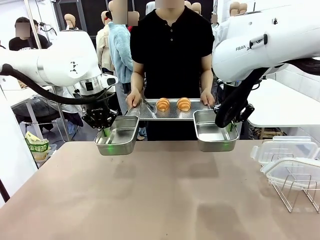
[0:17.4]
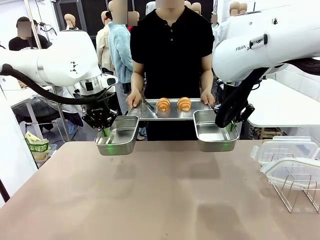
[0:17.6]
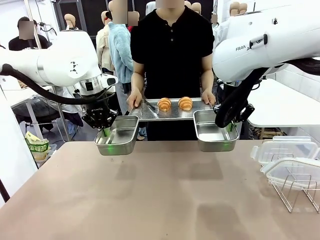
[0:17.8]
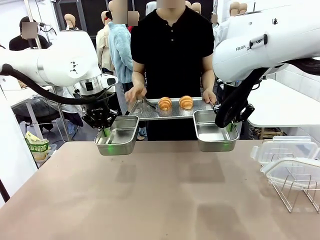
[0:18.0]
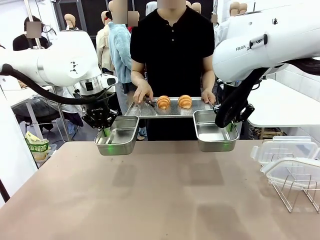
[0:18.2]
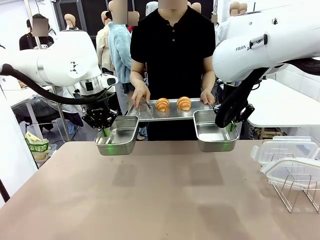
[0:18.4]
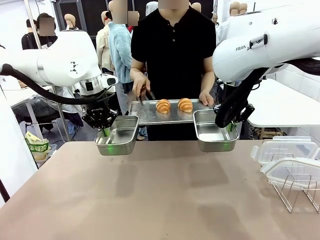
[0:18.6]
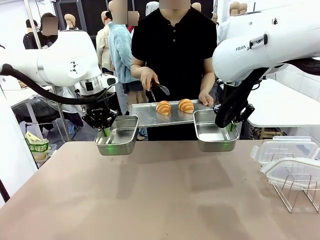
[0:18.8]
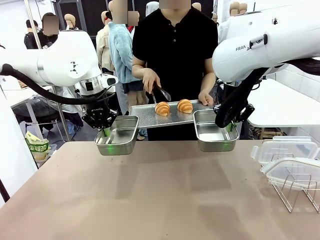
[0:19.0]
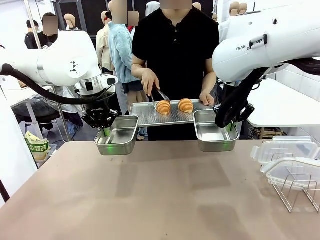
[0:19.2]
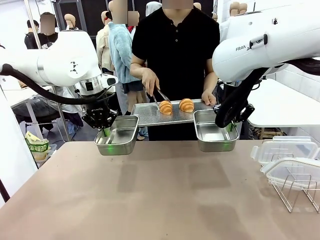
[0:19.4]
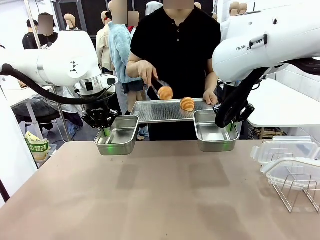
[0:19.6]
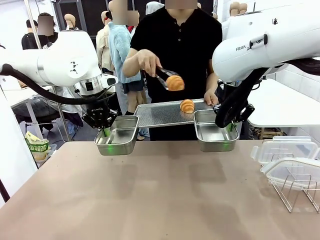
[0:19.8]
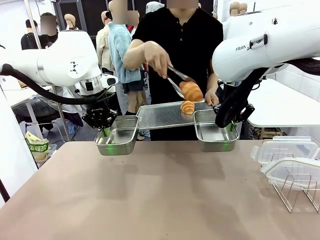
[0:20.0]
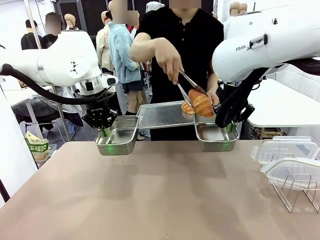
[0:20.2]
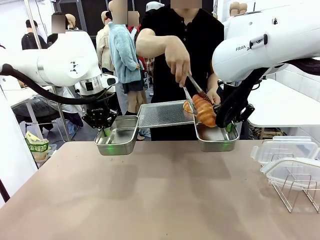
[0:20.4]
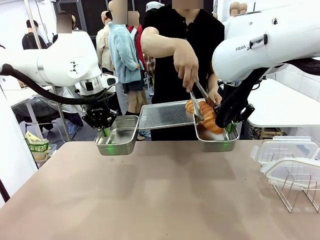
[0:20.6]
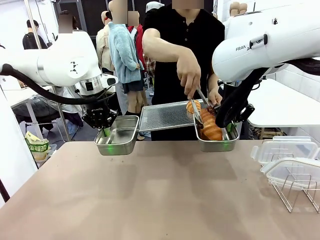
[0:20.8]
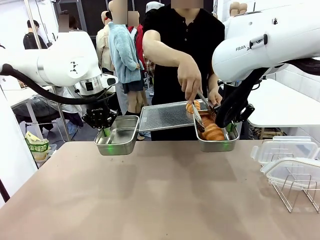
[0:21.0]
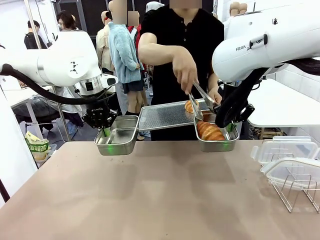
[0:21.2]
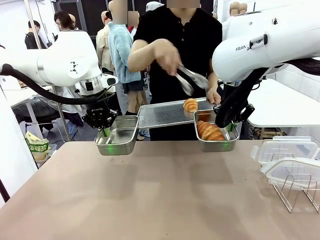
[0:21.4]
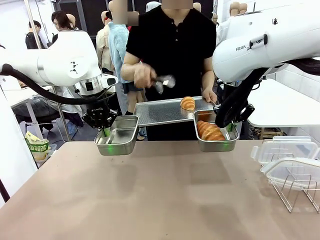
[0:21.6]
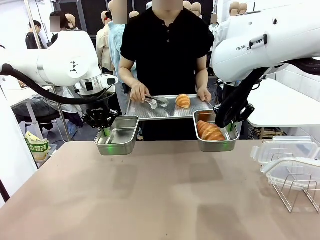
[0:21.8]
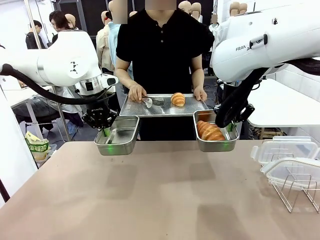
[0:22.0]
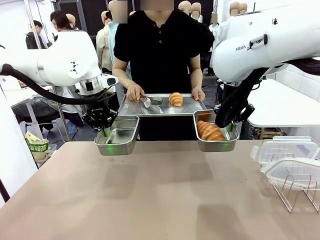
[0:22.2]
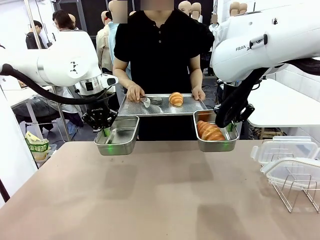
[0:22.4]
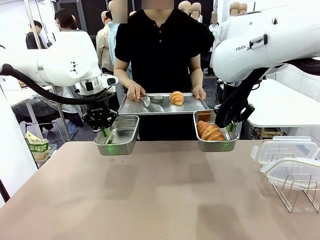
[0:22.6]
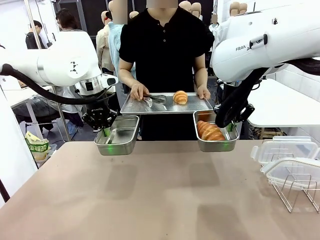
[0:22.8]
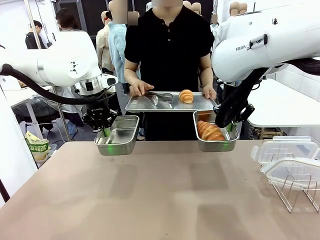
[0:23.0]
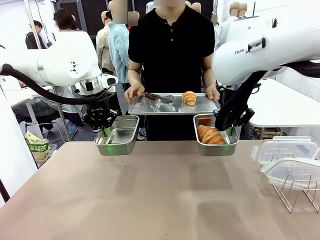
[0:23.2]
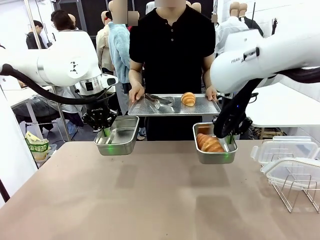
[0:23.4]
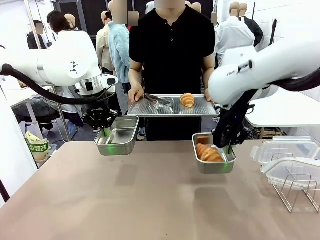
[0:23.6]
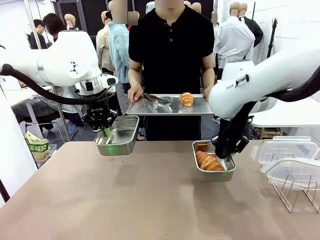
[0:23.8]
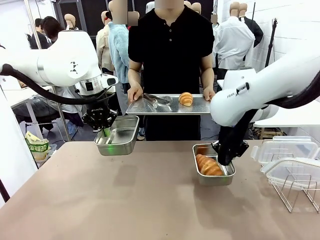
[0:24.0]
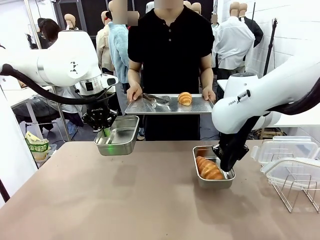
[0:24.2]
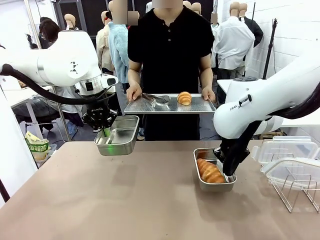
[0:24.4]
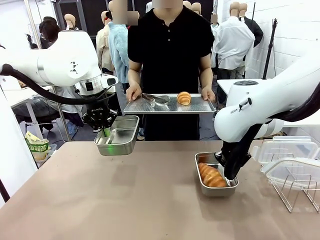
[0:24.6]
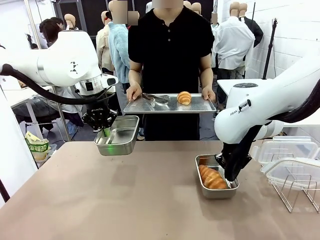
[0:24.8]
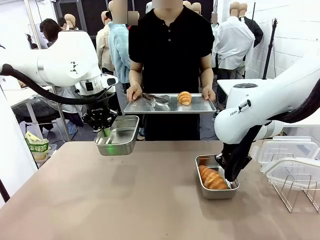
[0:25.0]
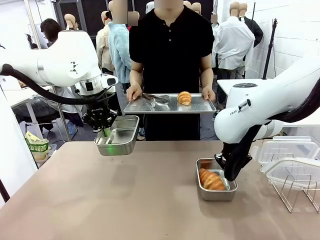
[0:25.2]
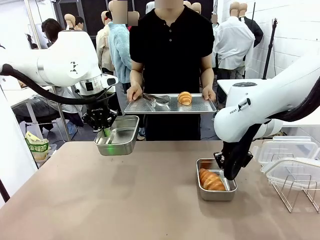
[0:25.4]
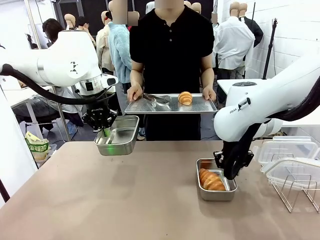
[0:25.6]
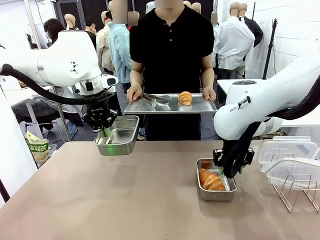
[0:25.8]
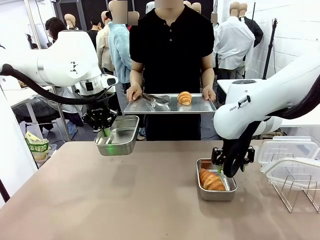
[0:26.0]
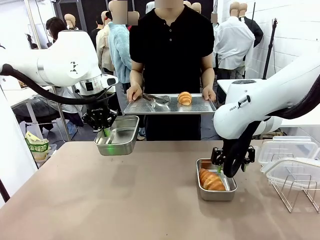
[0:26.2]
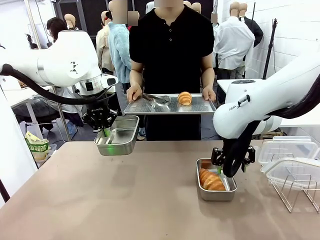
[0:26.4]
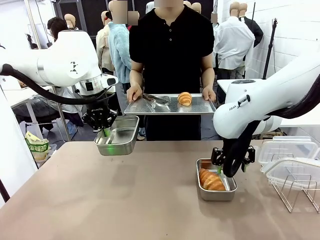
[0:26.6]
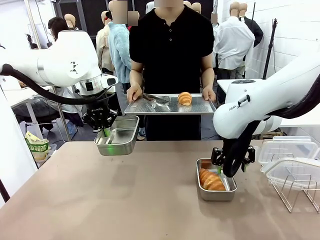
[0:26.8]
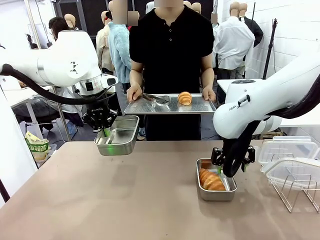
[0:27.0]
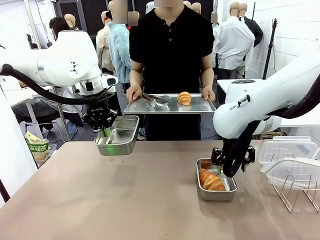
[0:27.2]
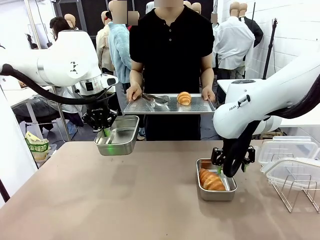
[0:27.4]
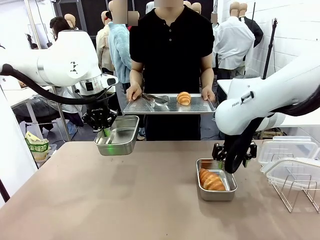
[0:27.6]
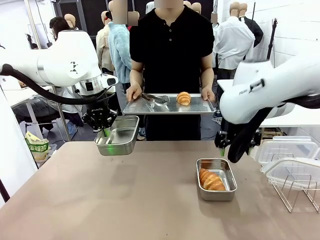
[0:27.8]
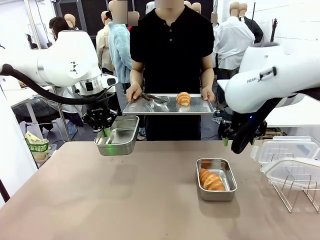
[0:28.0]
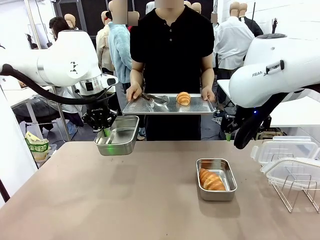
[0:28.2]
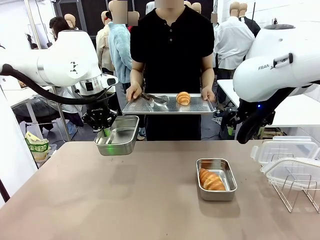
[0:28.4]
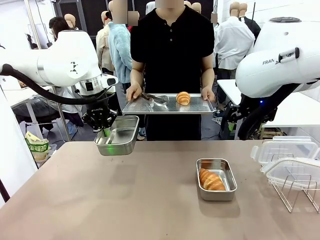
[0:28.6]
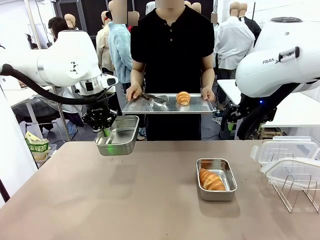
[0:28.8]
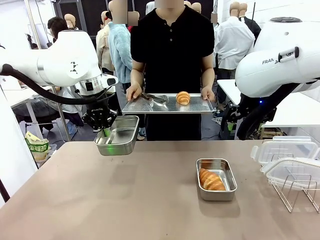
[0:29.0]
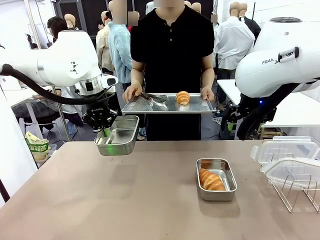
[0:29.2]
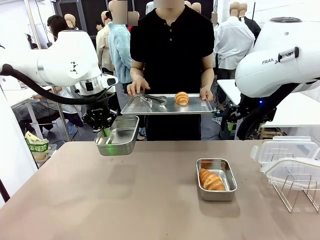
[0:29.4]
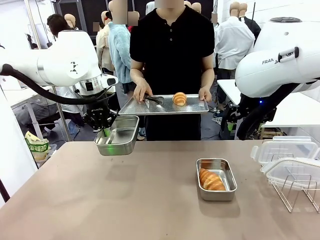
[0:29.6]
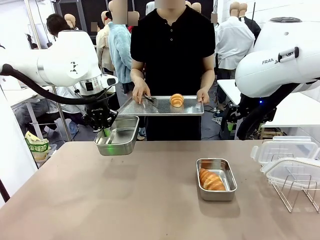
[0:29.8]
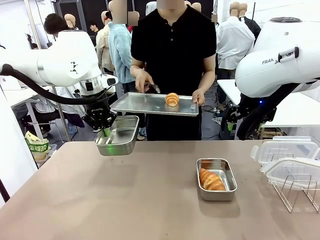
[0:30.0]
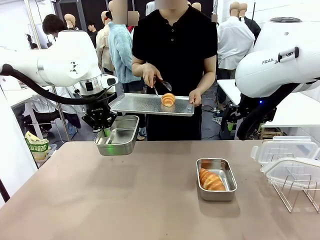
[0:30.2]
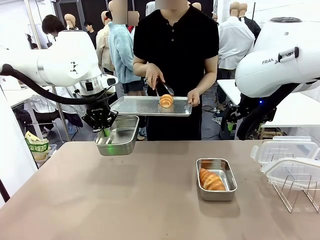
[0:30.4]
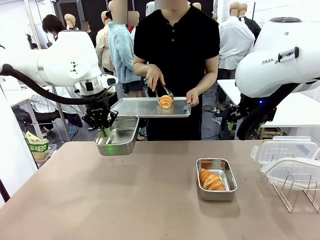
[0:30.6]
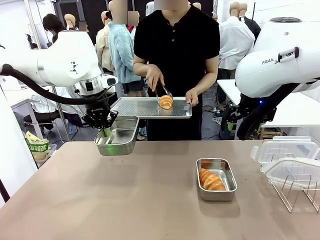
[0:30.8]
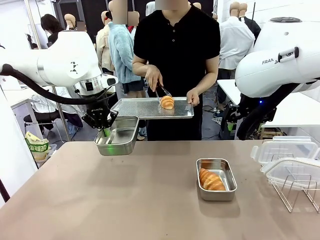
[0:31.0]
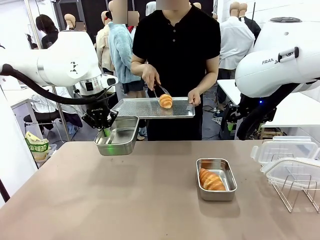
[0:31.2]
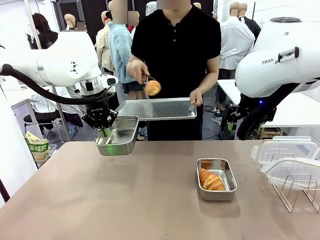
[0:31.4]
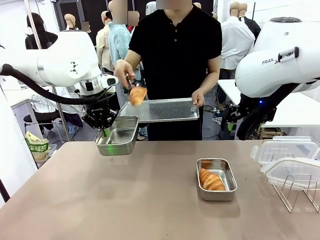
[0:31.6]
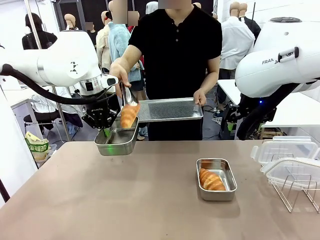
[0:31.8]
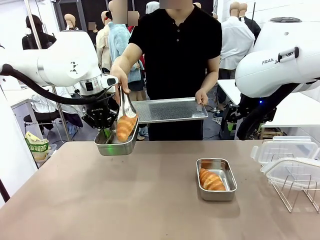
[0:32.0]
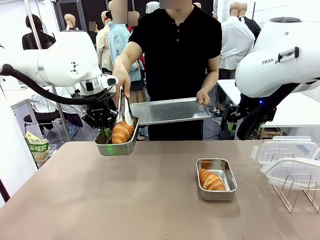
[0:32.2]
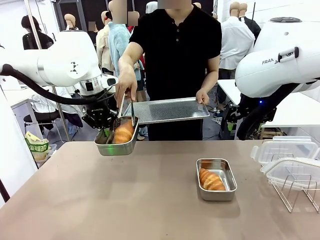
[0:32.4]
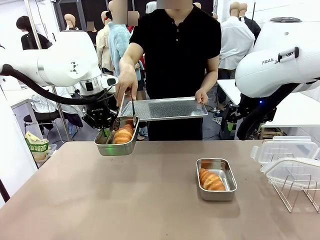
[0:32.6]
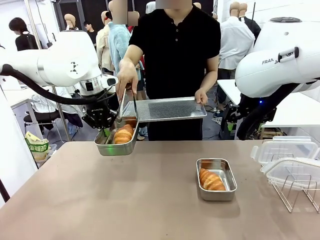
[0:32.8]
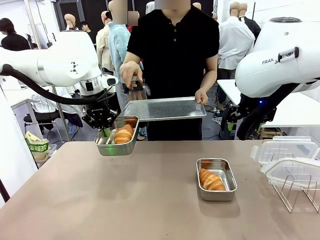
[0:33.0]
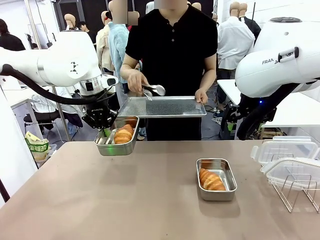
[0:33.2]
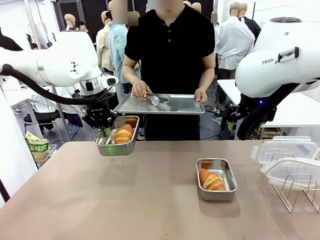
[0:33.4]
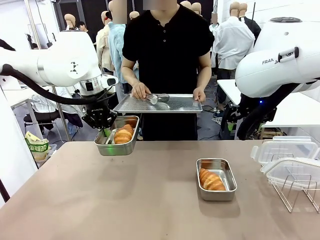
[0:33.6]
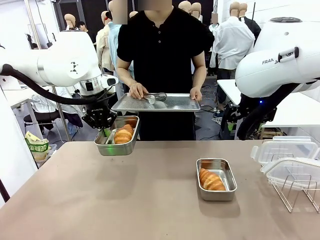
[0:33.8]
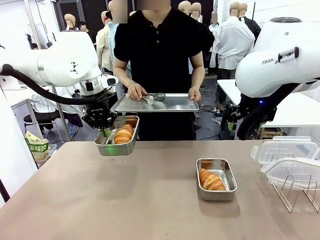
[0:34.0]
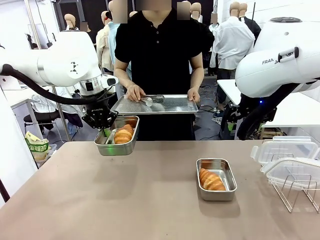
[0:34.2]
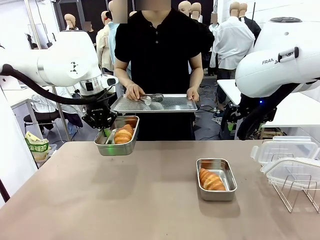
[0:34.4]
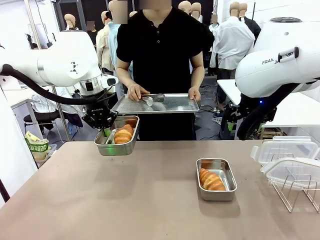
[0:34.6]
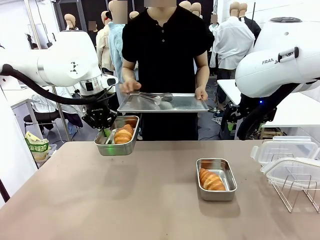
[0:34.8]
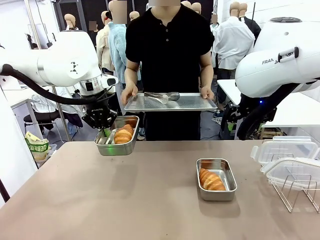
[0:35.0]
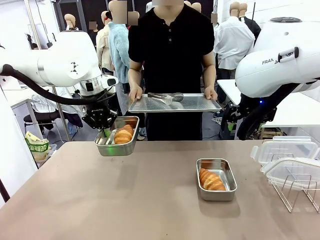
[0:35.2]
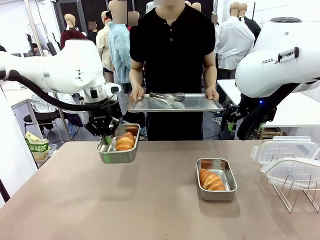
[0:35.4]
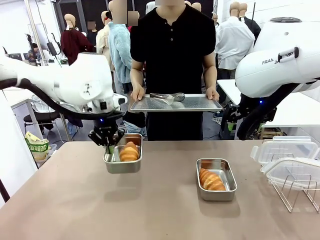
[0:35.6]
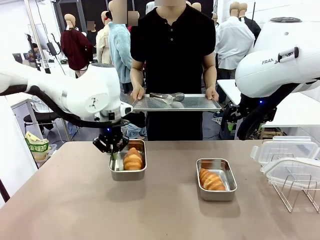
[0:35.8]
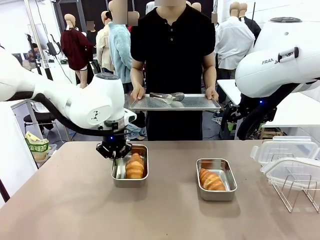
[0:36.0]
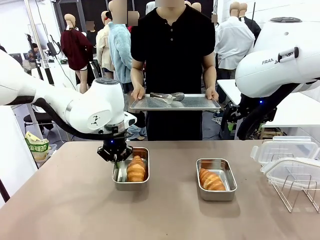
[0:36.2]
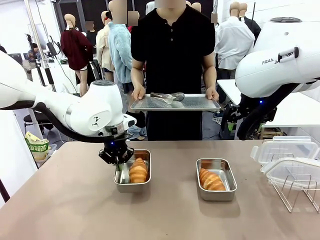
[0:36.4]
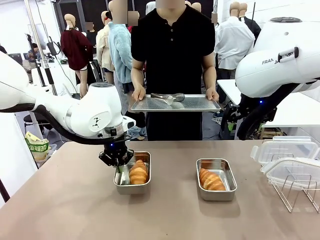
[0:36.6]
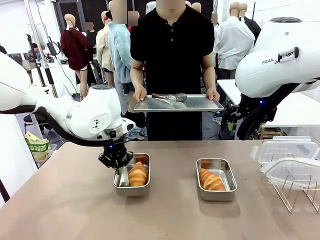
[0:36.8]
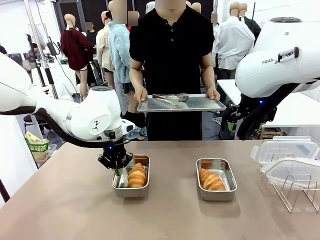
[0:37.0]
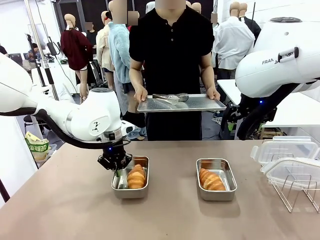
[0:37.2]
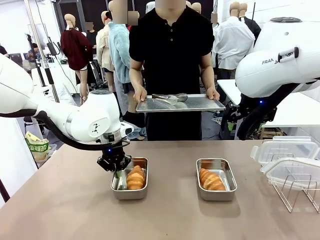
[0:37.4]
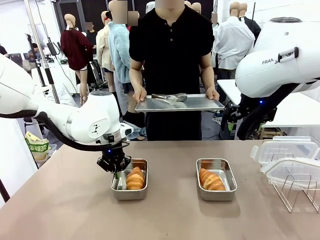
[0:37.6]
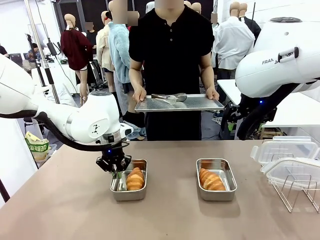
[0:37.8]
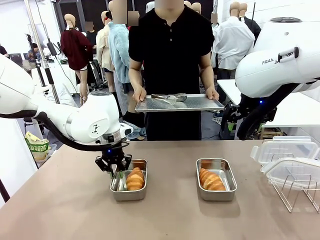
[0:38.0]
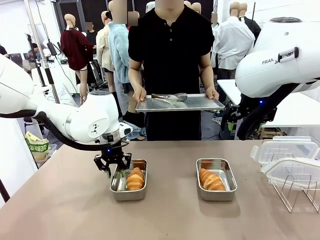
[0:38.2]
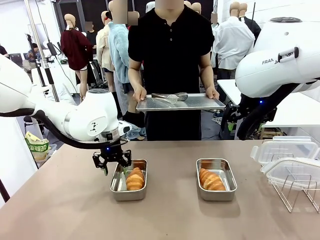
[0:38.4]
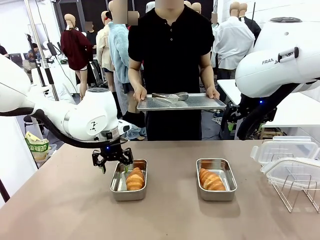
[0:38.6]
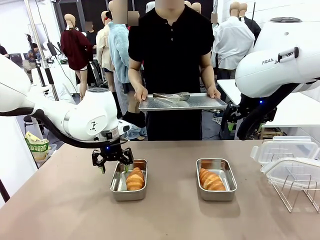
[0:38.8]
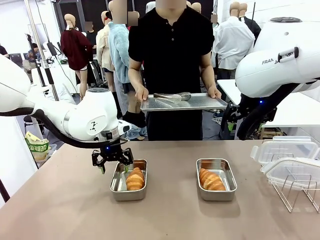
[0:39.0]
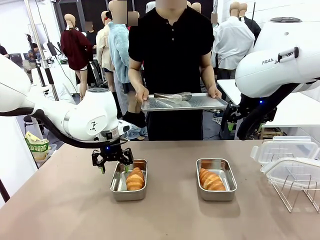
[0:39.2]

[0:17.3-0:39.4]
Task: Place the bread in airtight containers.
Robot: Once an object is inside an Airtight Container , place the container in the center of the table.
Person: Use the Stainless steel tongs to place one object from Baking Sheet into one Airtight Container. Place Baking Sheet on the Human's Table.
